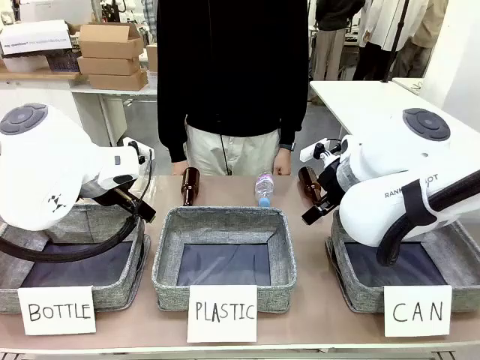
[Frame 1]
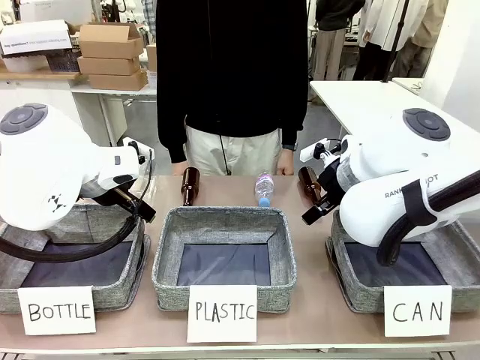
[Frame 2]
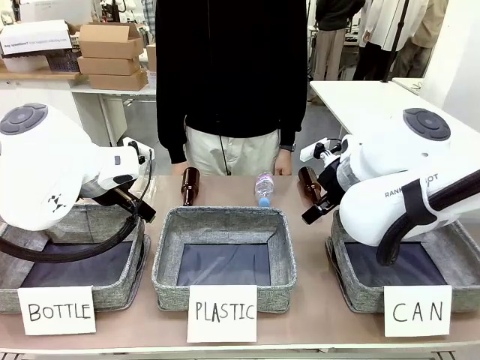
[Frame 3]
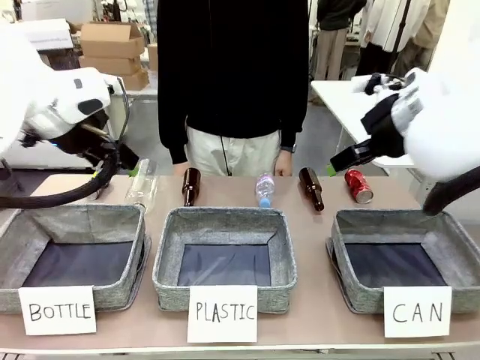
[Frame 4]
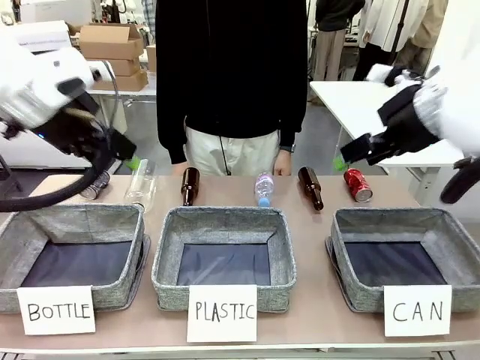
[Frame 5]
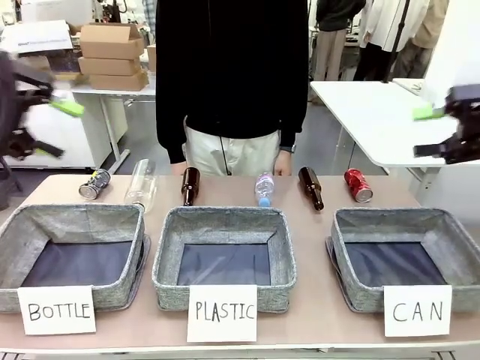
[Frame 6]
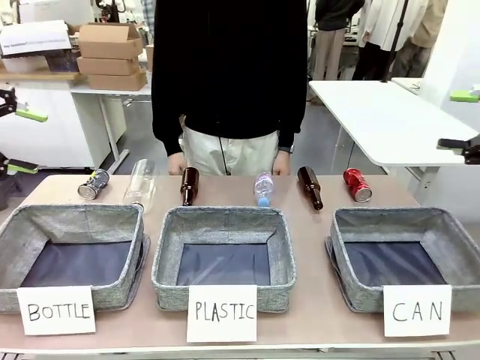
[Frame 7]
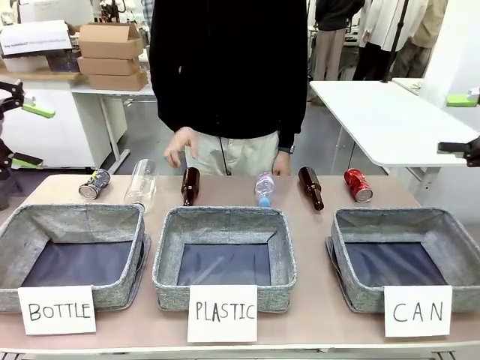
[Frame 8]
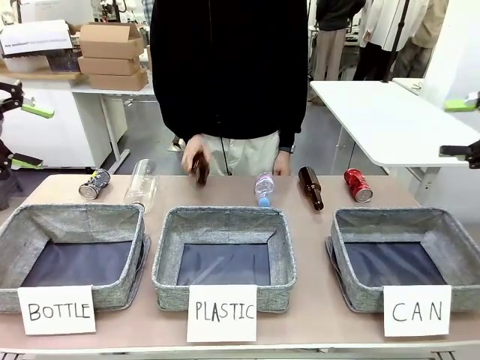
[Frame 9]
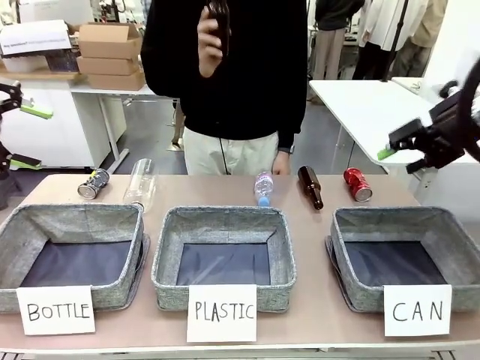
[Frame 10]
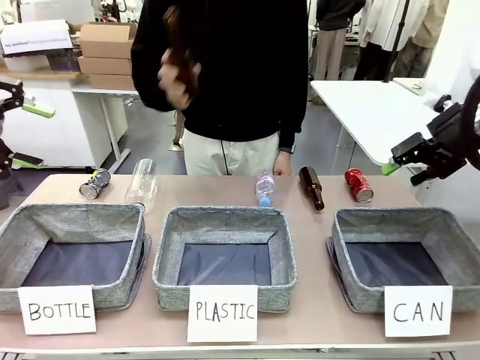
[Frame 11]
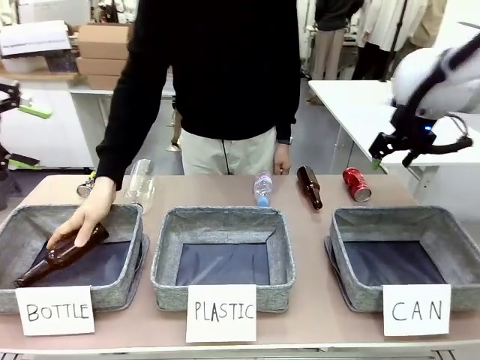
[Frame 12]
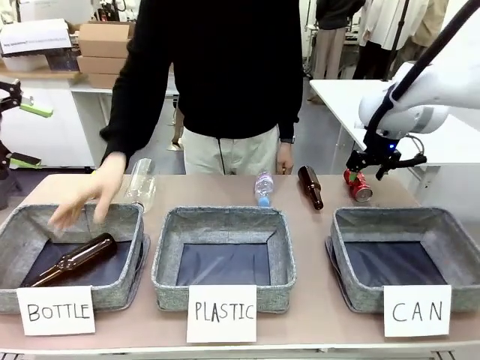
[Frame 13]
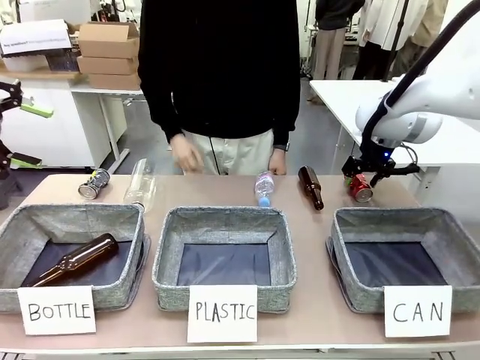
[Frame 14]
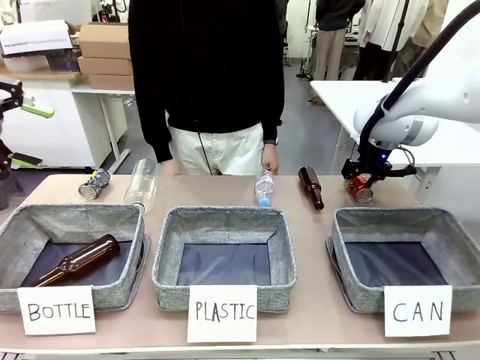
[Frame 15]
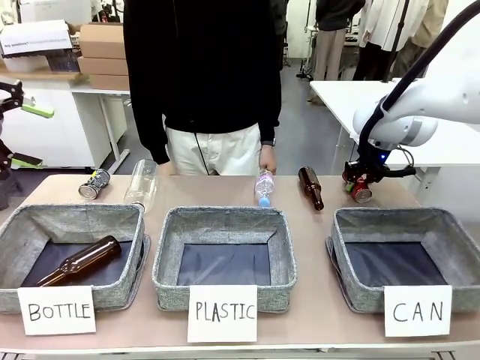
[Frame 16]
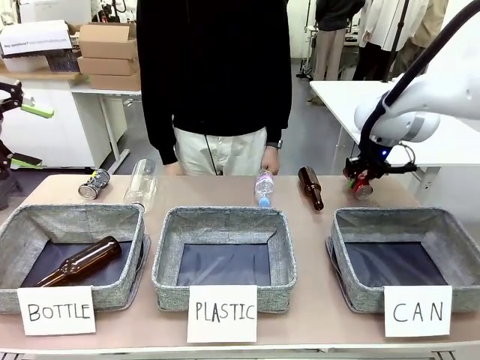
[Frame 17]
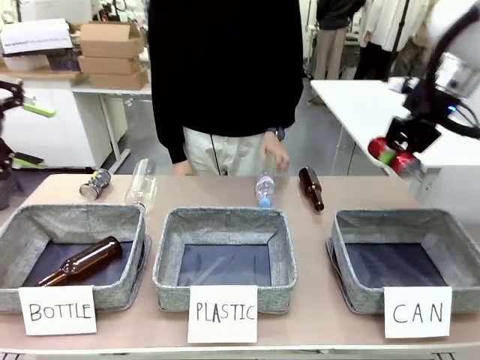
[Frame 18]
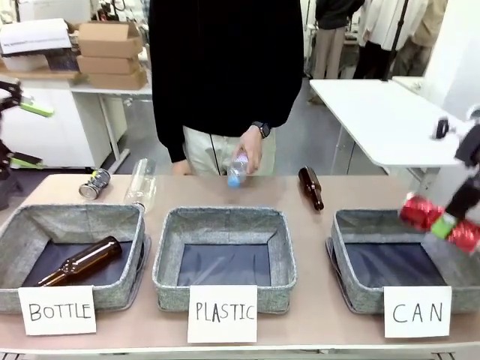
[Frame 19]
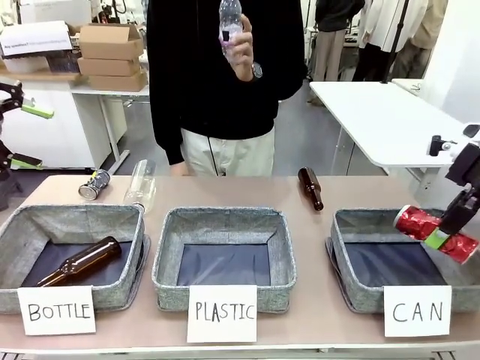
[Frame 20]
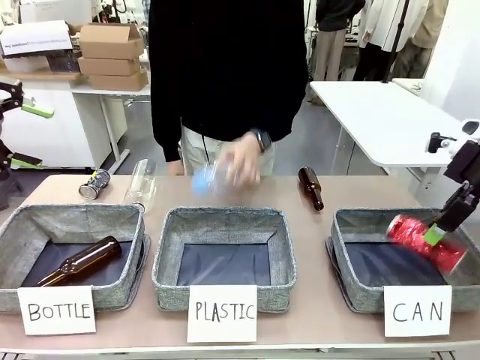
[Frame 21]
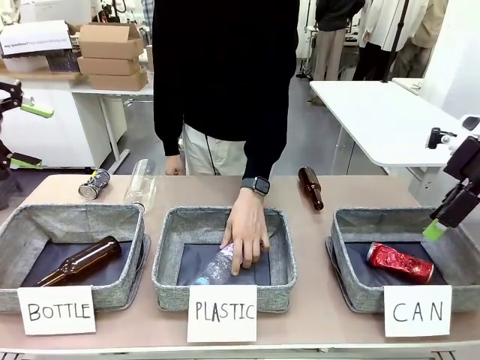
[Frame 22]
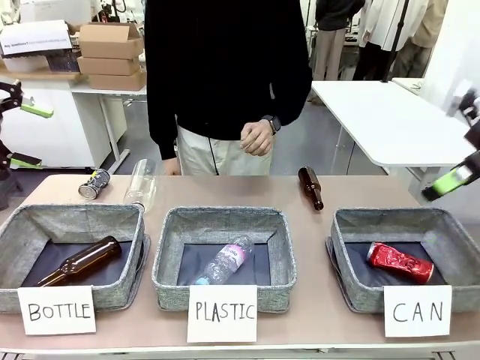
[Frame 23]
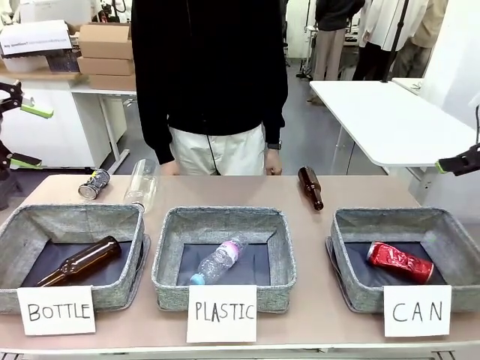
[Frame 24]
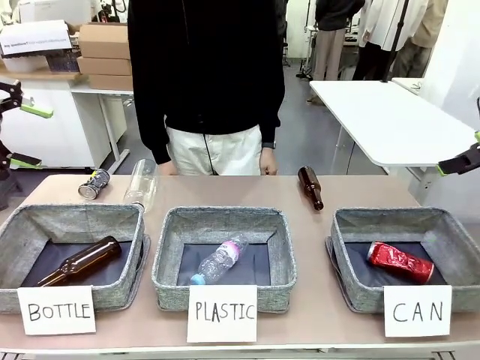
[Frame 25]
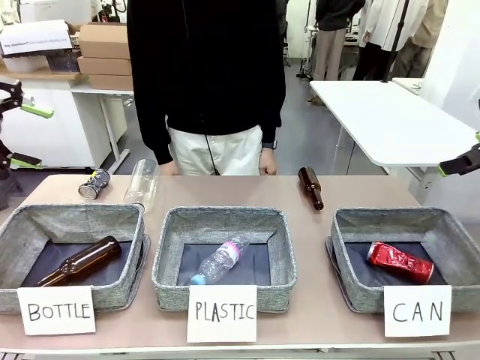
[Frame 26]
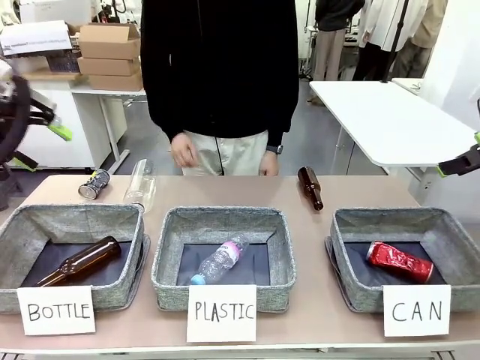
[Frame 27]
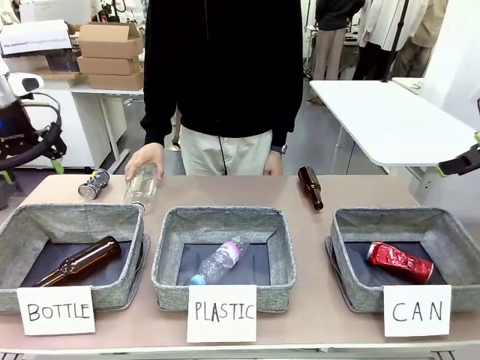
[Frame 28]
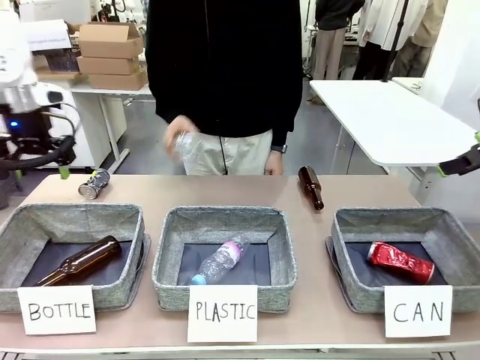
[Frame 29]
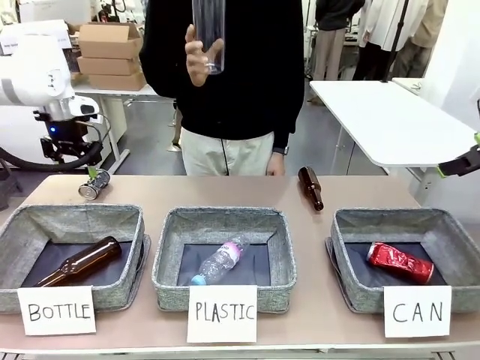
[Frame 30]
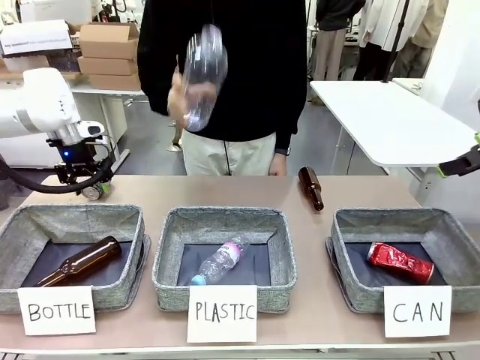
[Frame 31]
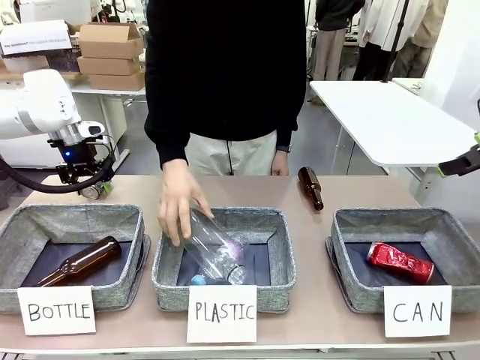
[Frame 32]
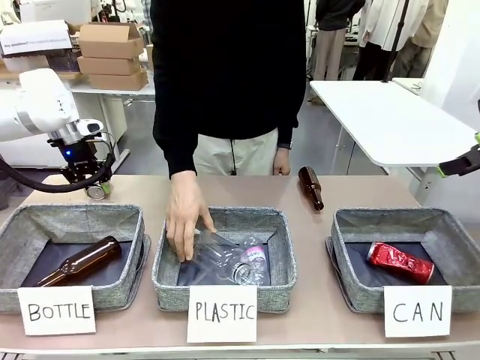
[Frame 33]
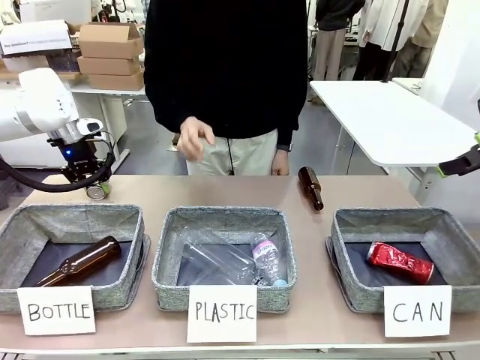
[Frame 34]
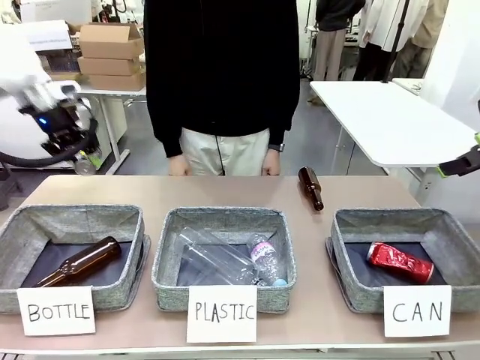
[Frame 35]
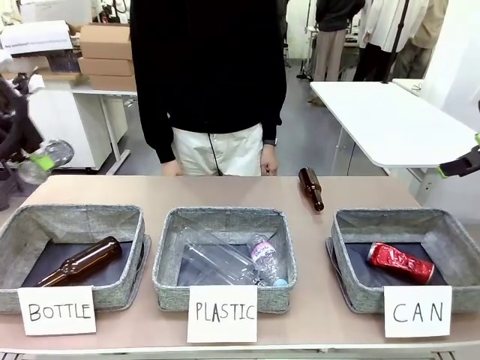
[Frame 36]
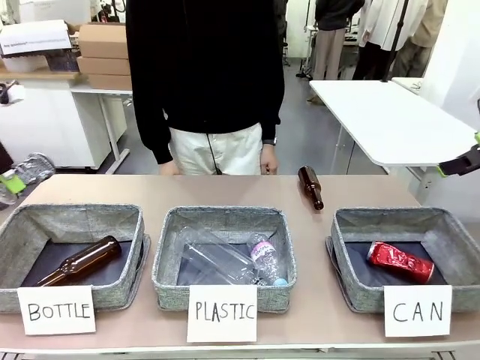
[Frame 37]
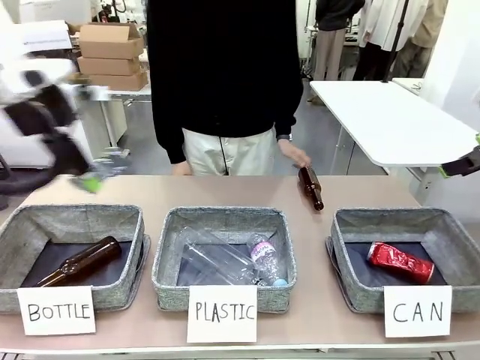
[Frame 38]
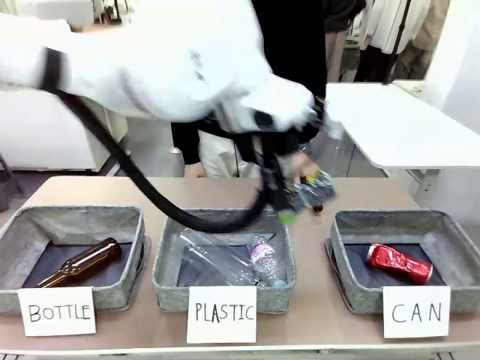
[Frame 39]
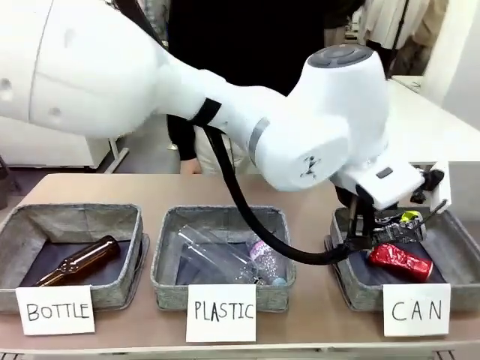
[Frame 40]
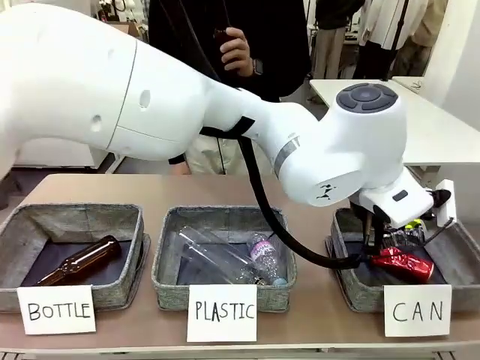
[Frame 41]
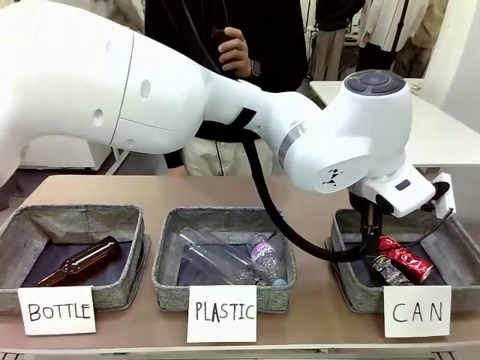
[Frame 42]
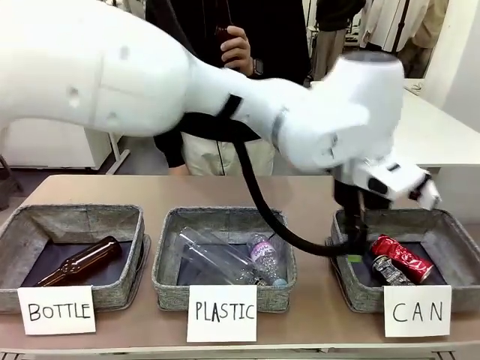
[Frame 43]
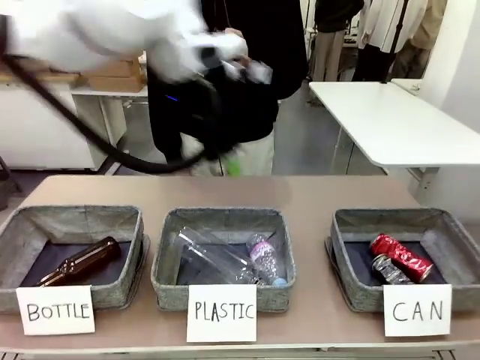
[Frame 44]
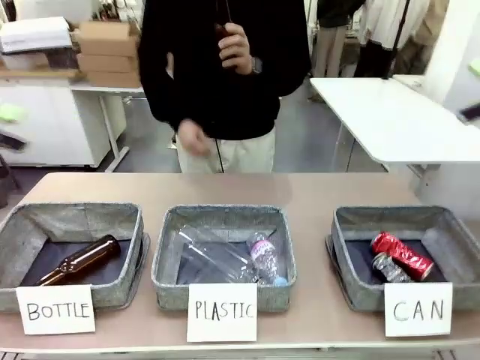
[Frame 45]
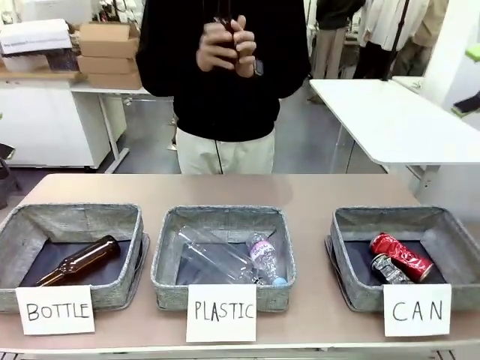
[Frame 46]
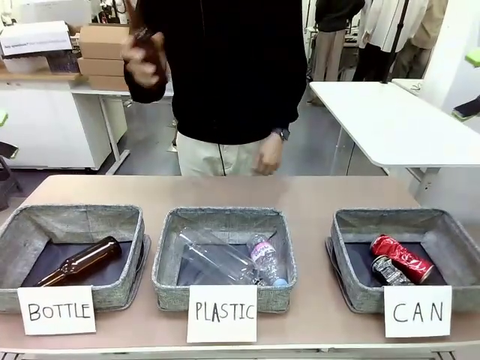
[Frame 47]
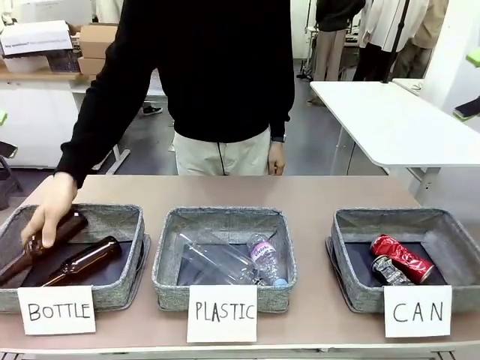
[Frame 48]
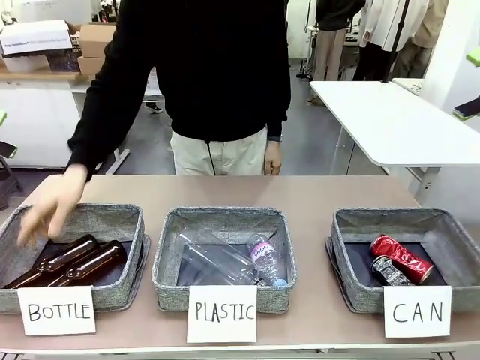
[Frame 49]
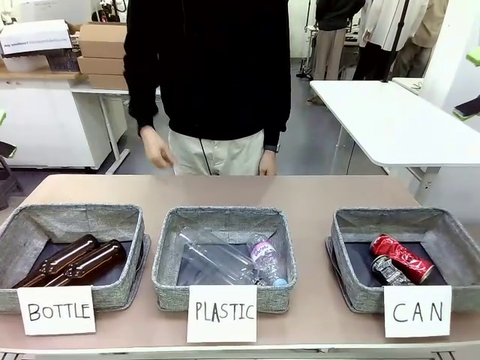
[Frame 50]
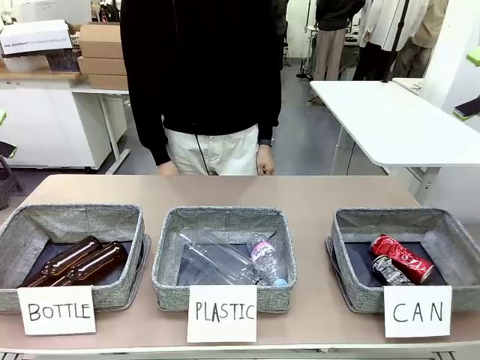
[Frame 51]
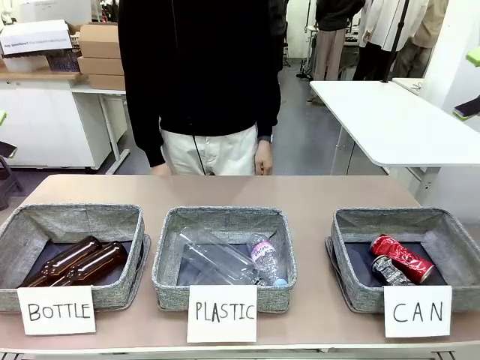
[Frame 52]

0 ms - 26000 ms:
Task: Sort the can waste into the basket.
Robot: Pick up the can waste from the table and place it in the right Fabric basket.
Person: The human picks up one piece of trash that is not a can and places the trash into the appropriate organizing basket.
